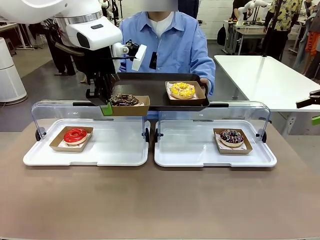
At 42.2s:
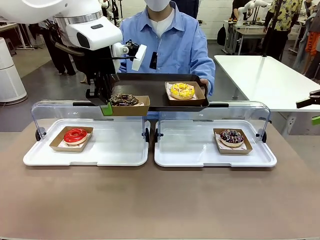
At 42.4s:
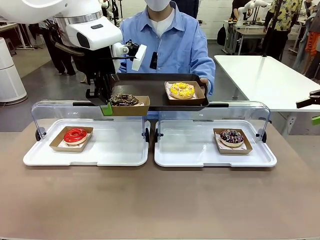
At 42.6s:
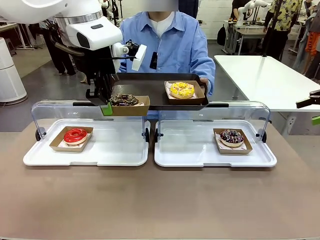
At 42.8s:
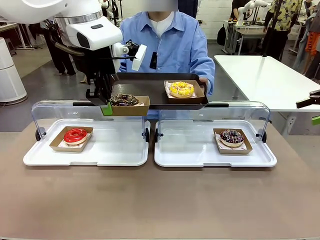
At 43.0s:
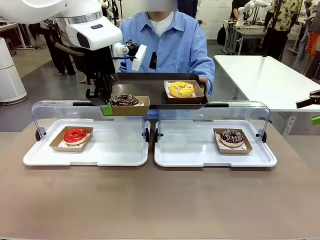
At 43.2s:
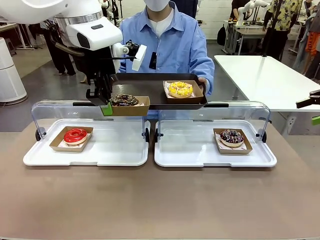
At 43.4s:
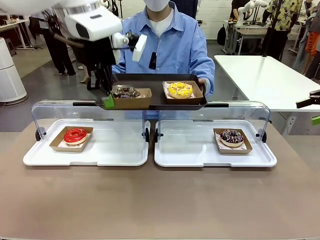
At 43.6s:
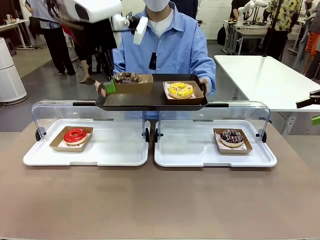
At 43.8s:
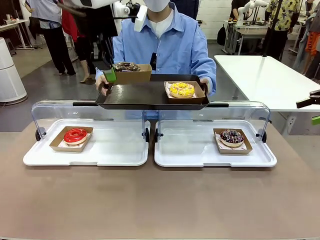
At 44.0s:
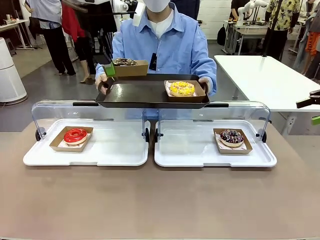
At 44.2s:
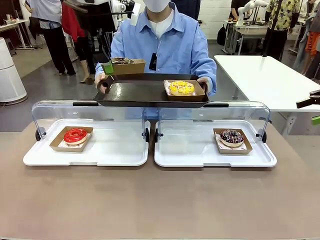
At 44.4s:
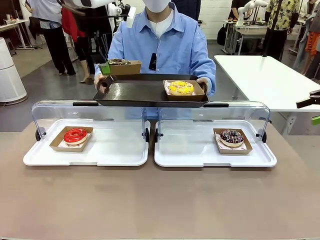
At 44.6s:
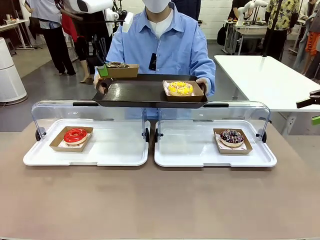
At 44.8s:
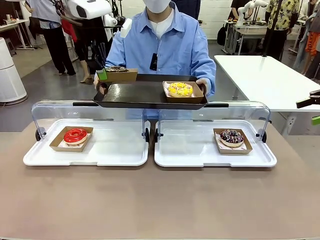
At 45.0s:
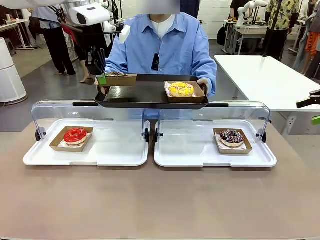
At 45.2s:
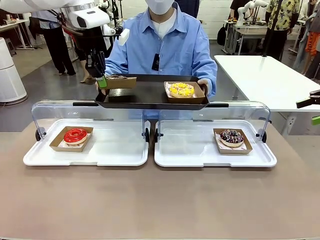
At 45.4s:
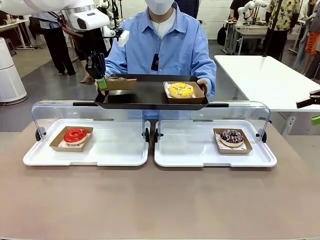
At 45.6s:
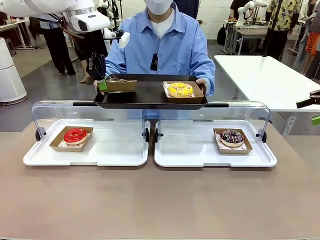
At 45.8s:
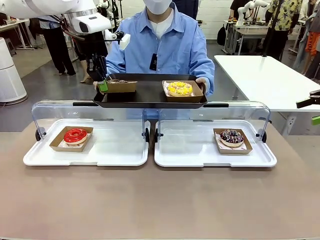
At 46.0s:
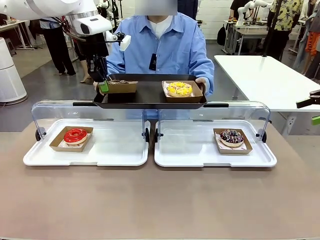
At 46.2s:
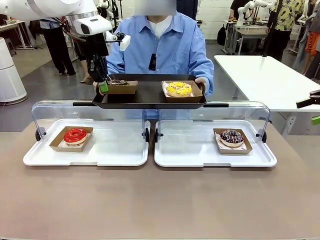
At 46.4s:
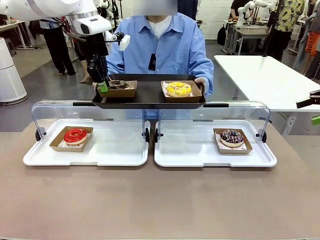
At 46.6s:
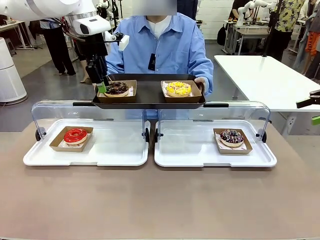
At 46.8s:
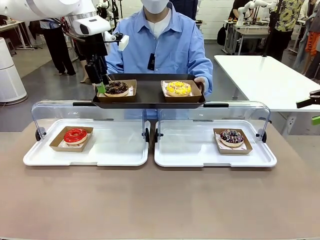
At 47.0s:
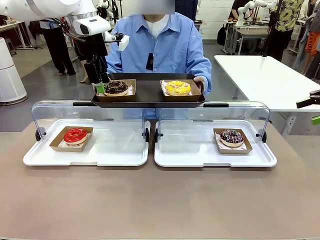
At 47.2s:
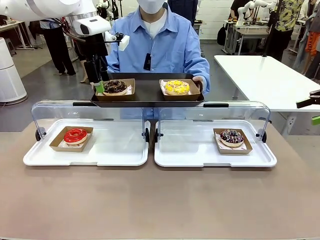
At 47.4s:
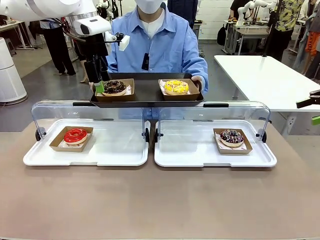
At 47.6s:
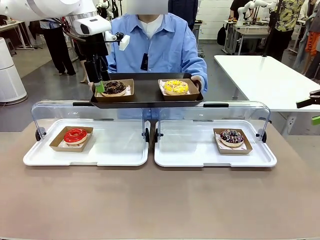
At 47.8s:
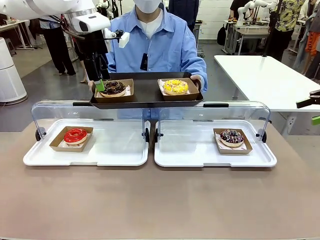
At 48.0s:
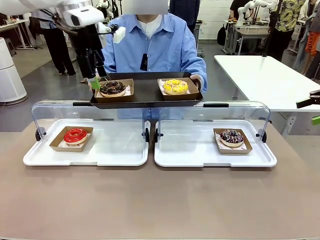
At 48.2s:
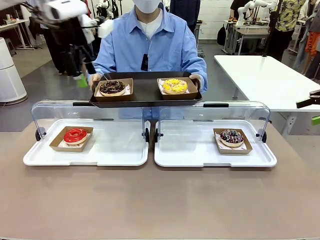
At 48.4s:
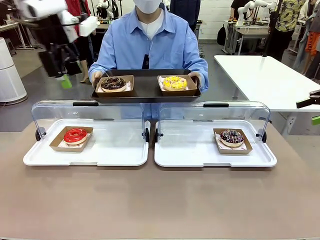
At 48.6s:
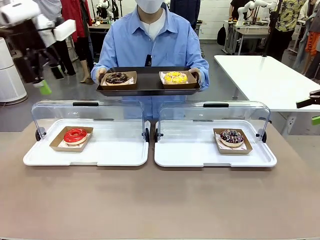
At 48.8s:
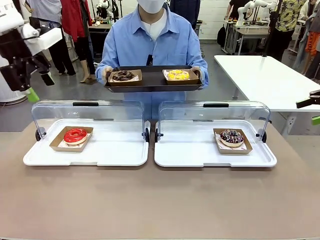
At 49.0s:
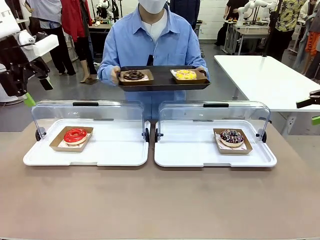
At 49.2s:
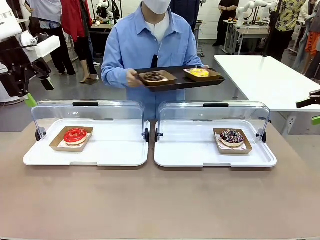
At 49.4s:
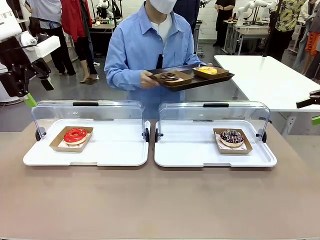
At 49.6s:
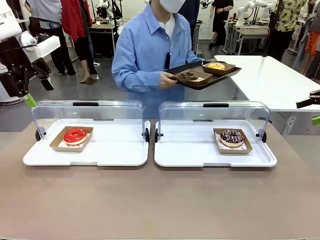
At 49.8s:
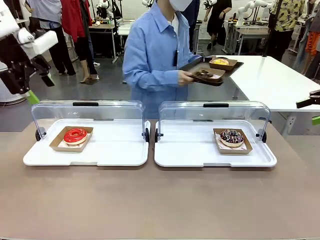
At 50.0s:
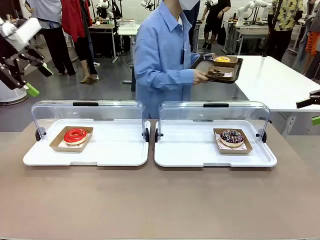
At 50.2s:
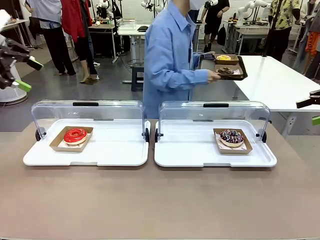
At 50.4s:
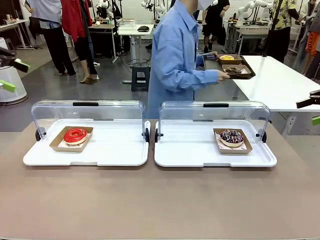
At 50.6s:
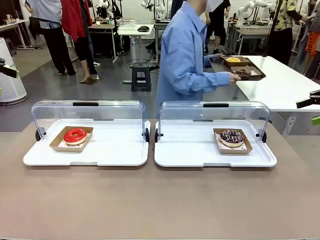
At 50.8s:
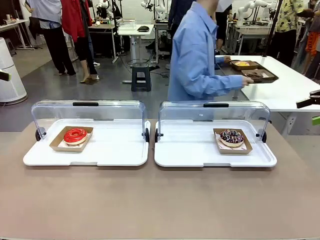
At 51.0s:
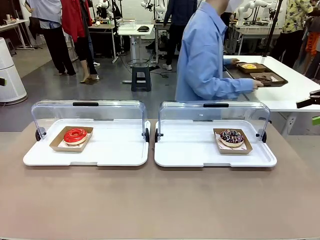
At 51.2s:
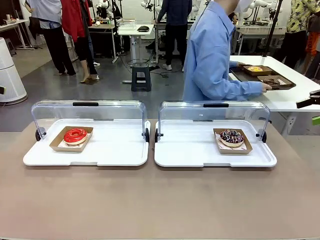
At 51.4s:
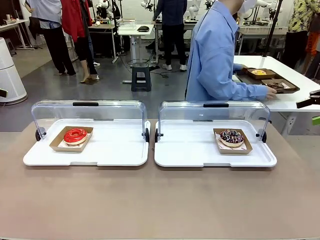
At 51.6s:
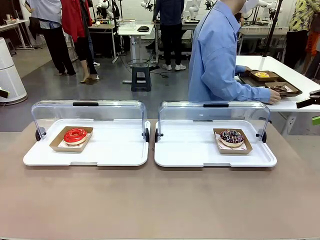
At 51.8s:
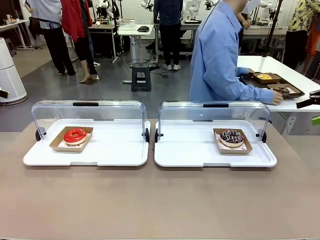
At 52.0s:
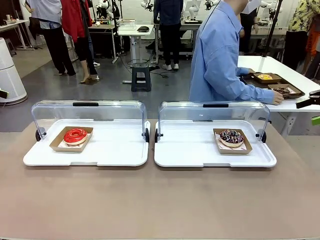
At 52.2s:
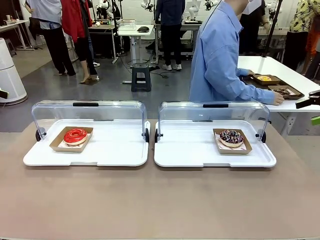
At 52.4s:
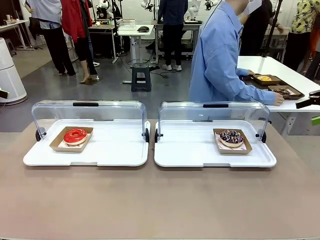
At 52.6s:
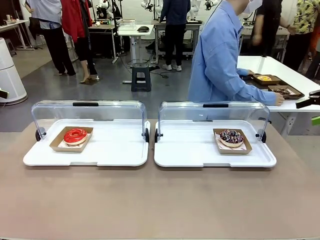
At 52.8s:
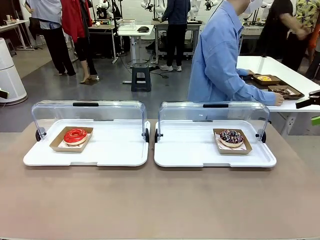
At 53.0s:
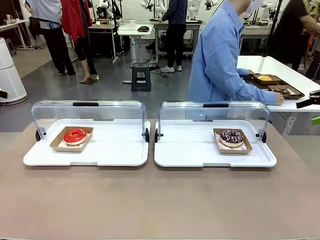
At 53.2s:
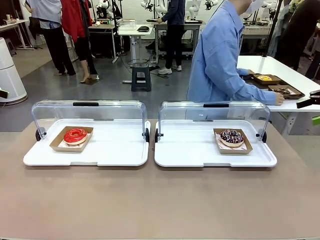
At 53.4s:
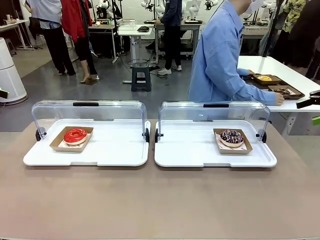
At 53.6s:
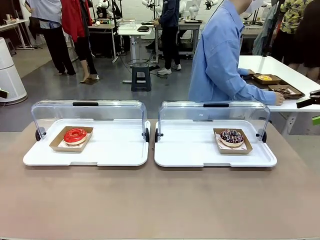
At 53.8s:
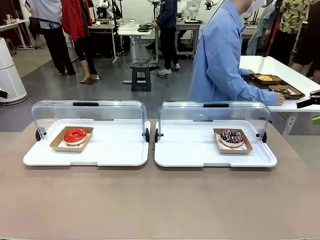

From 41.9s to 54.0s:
Task: Provide the desired donut to the person.
Robot: Place the picked Paper togo box onto the Handle tray extended by the person.
Person: Place the tray in the middle of the human table.

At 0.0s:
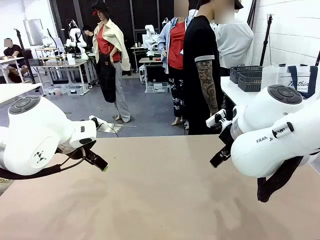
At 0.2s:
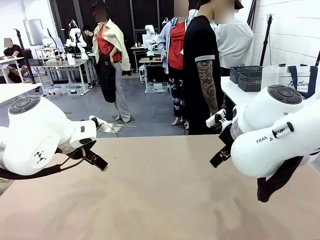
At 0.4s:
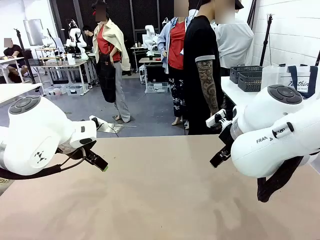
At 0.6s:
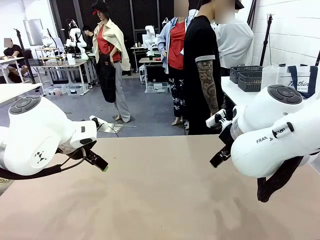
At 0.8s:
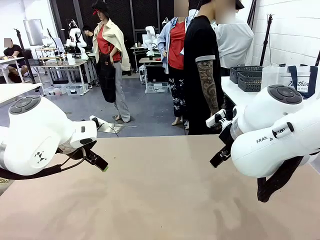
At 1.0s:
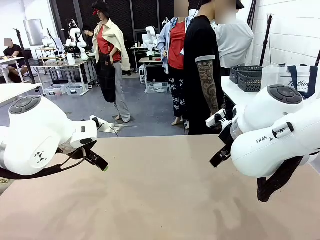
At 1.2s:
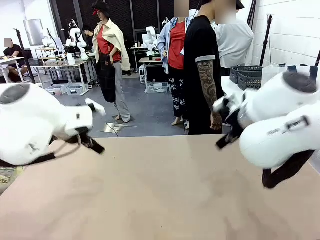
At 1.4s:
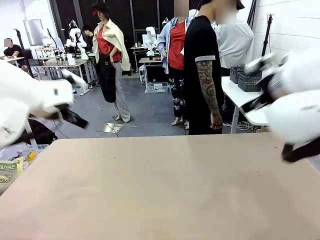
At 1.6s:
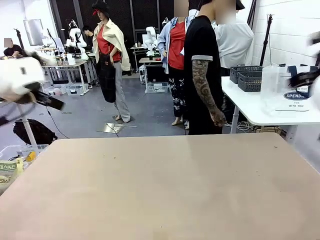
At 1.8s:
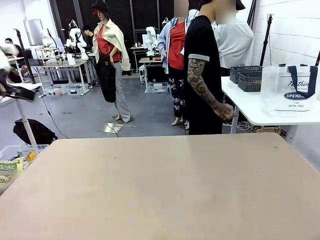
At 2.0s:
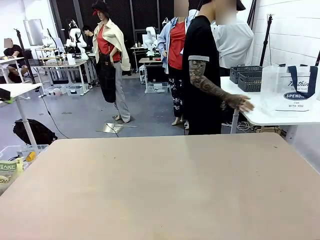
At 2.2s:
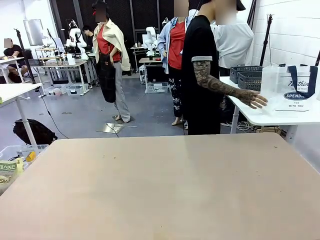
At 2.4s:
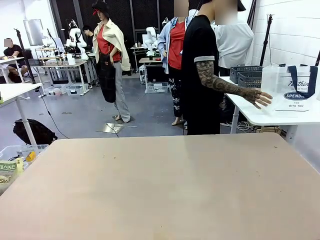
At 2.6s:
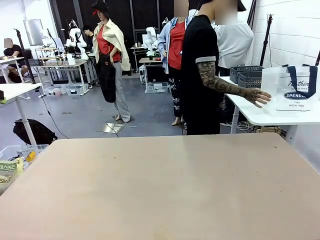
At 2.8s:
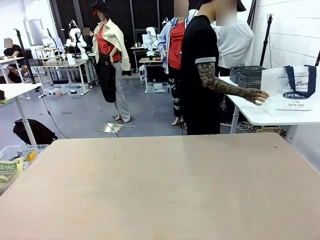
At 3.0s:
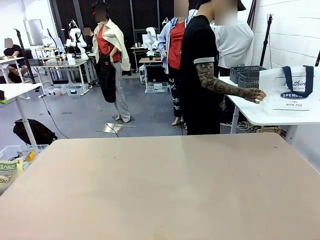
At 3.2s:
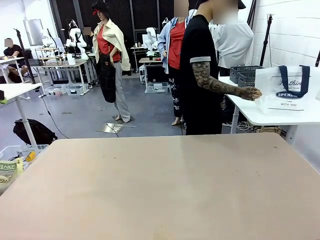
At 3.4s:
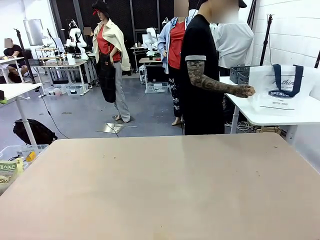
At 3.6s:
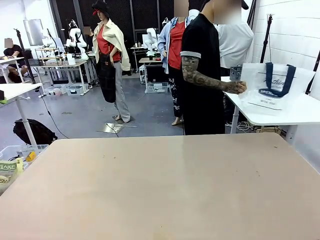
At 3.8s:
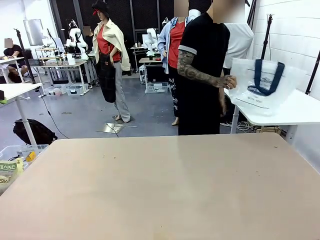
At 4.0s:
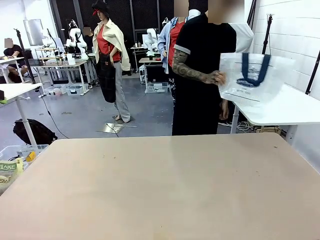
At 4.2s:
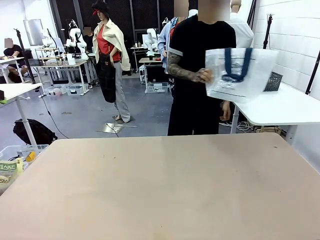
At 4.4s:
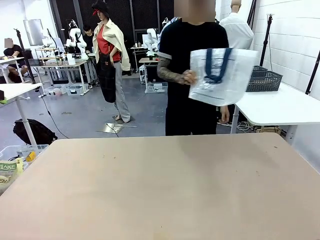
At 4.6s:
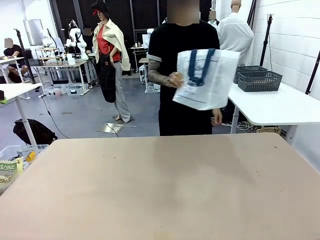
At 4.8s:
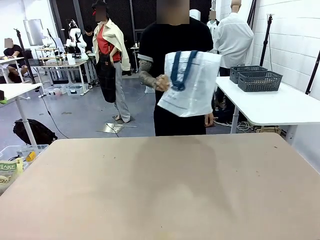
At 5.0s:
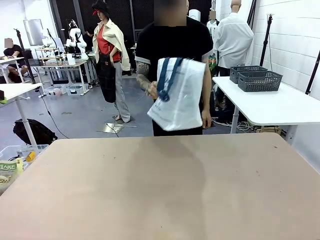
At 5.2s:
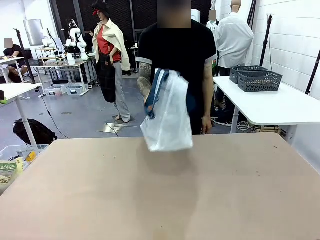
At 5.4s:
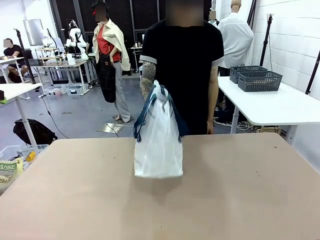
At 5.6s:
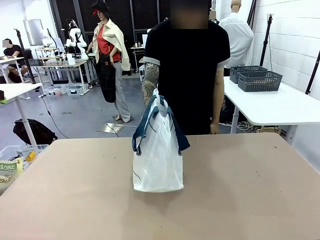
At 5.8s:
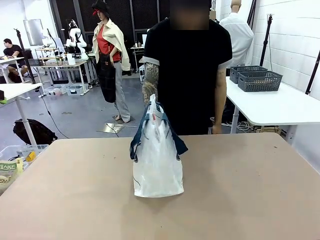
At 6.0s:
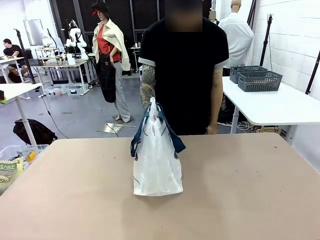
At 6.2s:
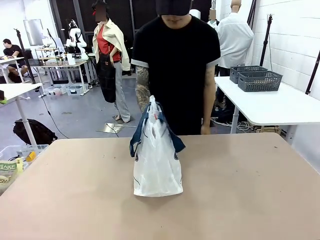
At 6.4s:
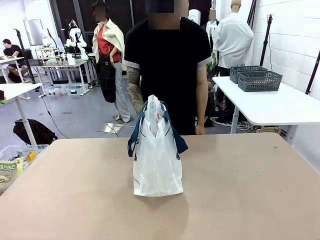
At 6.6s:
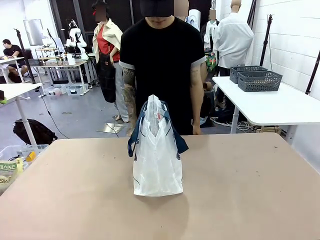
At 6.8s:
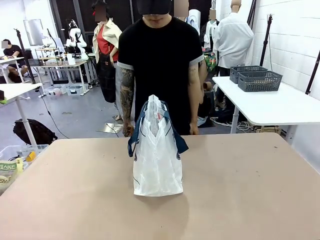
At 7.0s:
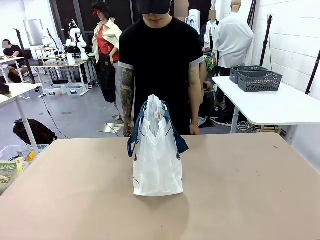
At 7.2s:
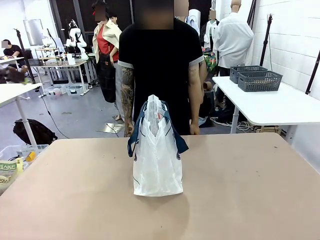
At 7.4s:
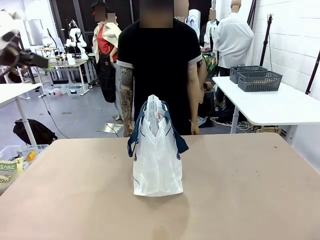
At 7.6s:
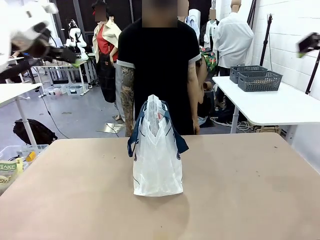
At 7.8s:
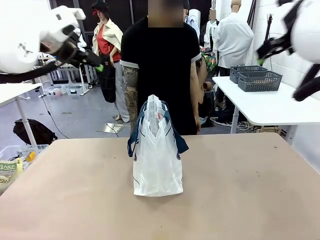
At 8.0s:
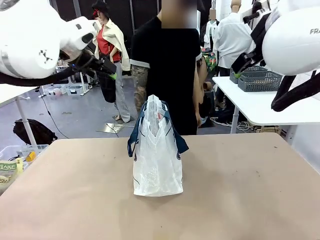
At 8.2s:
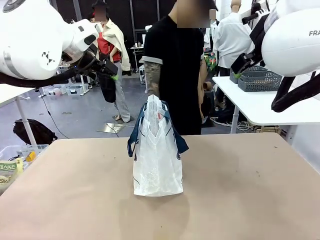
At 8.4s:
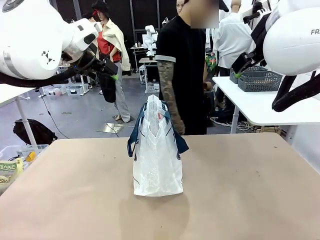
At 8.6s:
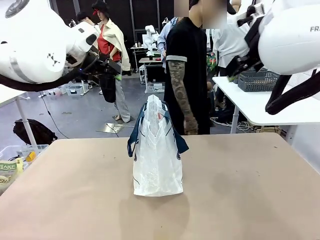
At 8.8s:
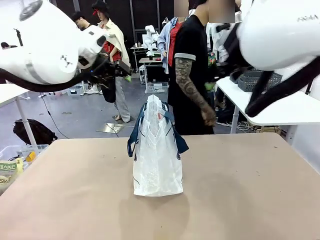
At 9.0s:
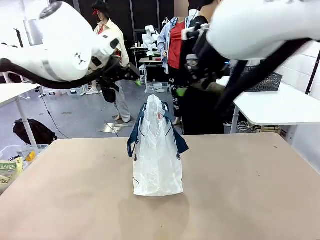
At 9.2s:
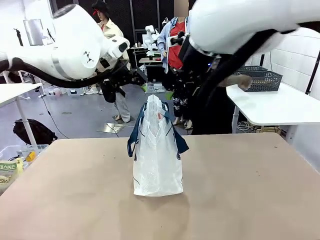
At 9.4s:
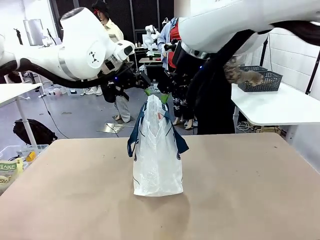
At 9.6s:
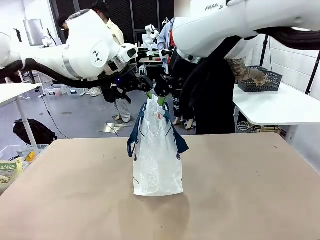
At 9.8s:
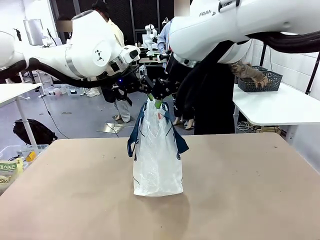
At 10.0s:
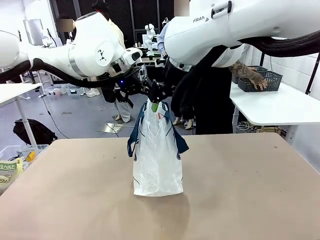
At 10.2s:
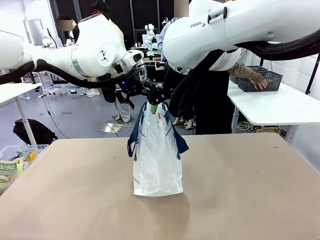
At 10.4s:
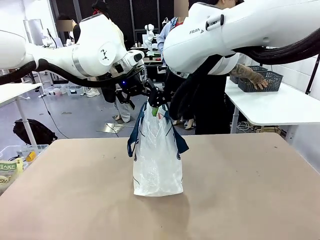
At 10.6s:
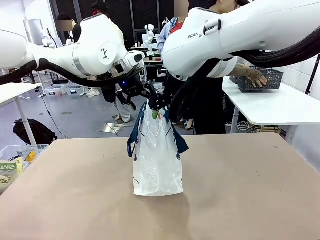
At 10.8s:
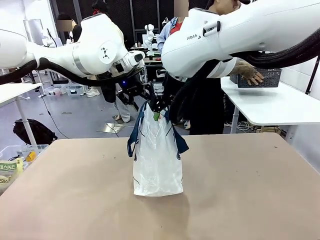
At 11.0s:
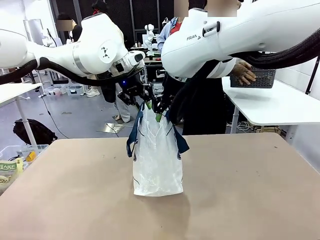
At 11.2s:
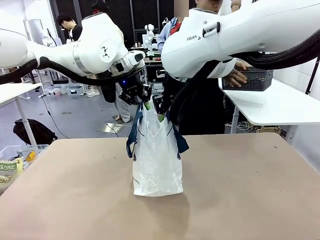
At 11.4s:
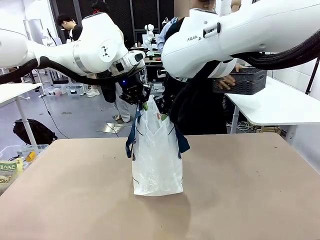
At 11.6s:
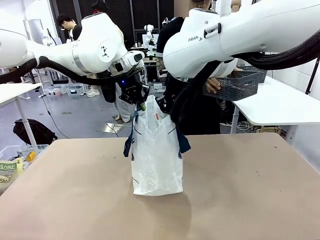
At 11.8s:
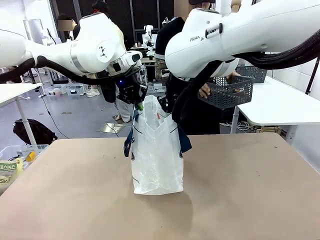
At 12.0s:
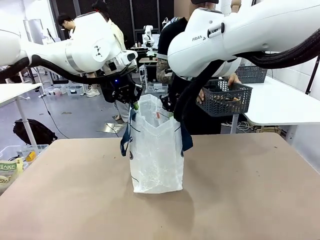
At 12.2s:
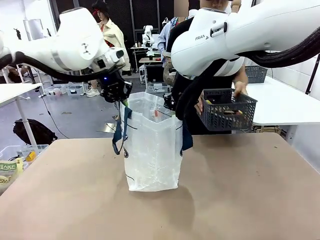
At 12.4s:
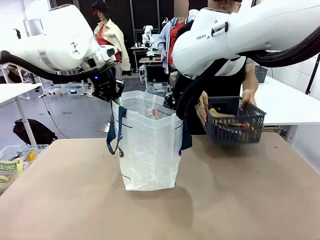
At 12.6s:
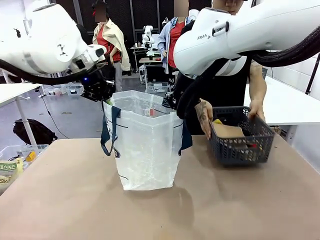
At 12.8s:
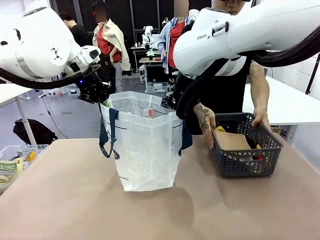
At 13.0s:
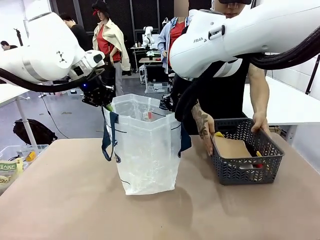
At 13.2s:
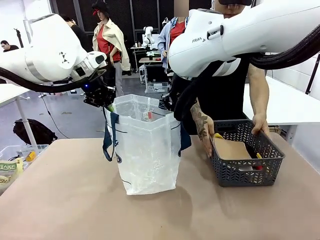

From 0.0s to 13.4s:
Task: Transfer purchased items from the store into the shopping bag.
Robot: Open the Reusable shopping bag in the center of the table.
Person: Pick up the shopping bag and place it in the middle of the robot table. Pick up the basket on the right, place it on the left side of the robot table, and move the items in the basket to the shopping bag.
